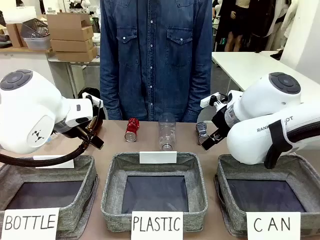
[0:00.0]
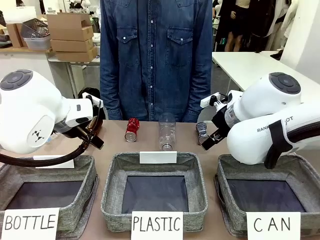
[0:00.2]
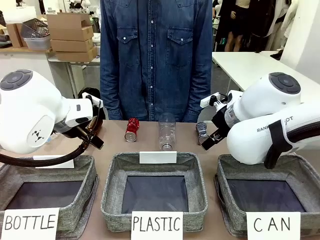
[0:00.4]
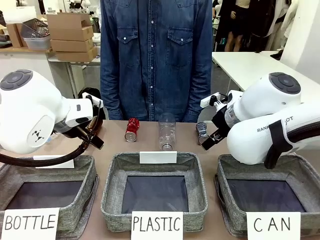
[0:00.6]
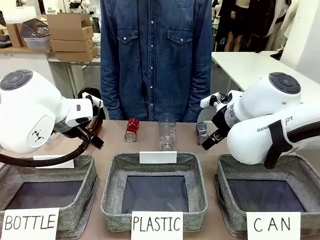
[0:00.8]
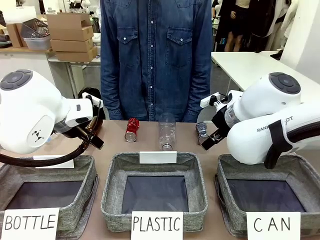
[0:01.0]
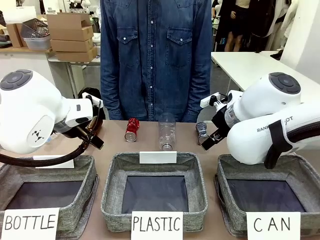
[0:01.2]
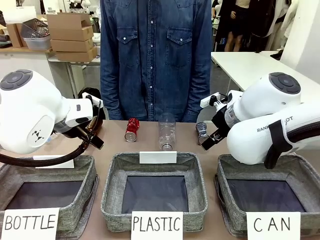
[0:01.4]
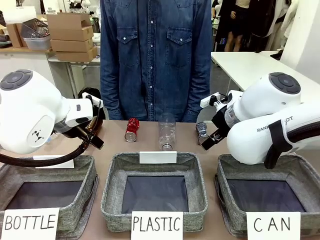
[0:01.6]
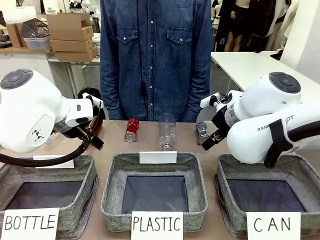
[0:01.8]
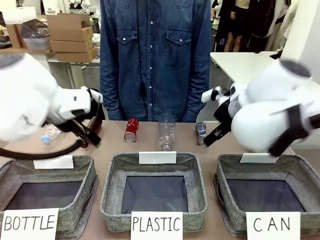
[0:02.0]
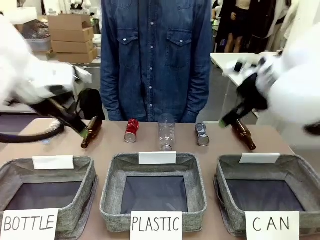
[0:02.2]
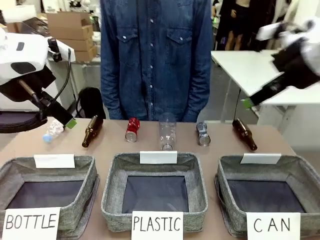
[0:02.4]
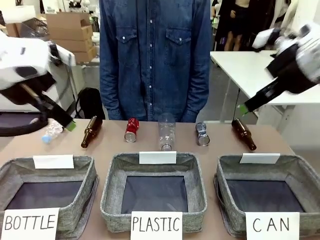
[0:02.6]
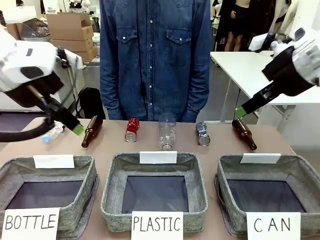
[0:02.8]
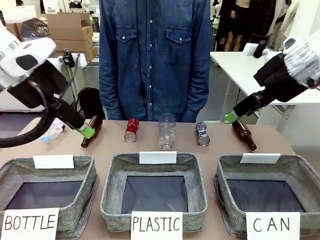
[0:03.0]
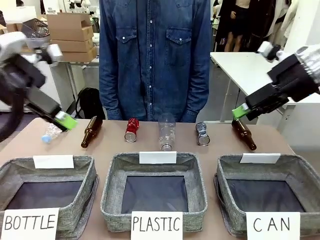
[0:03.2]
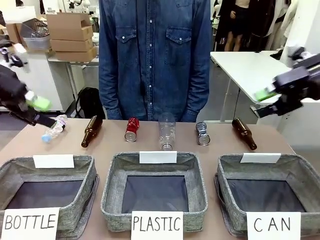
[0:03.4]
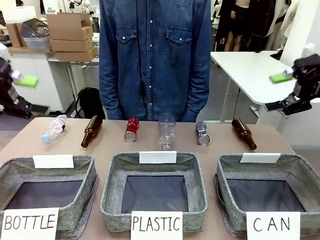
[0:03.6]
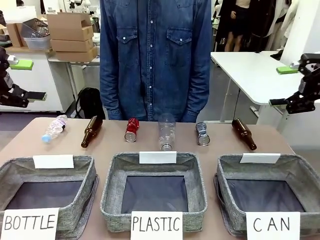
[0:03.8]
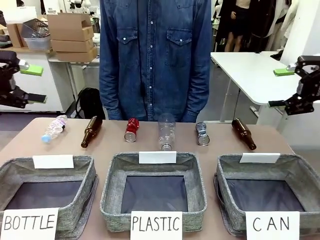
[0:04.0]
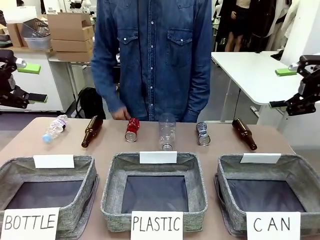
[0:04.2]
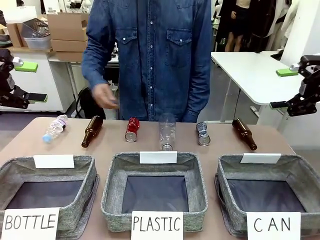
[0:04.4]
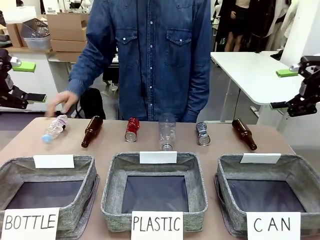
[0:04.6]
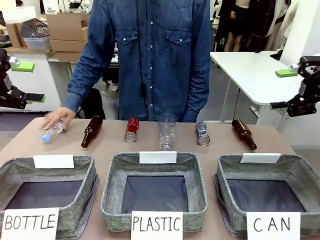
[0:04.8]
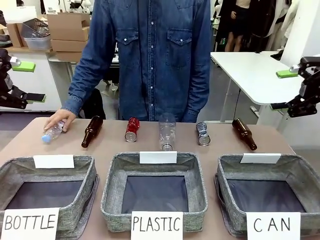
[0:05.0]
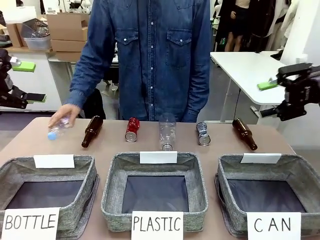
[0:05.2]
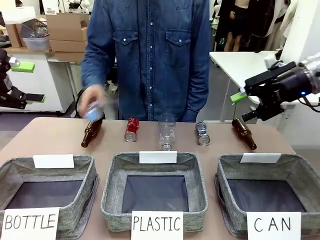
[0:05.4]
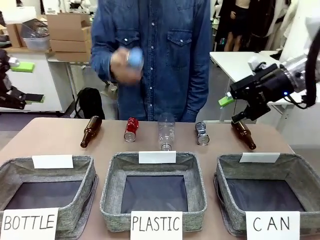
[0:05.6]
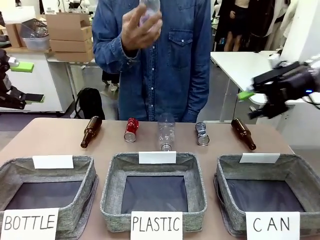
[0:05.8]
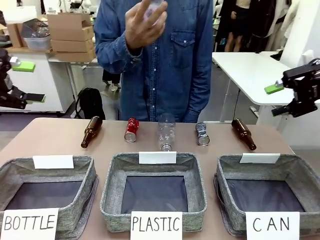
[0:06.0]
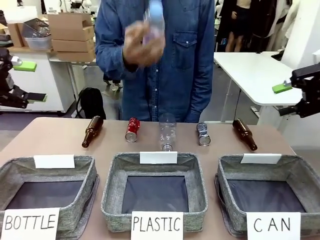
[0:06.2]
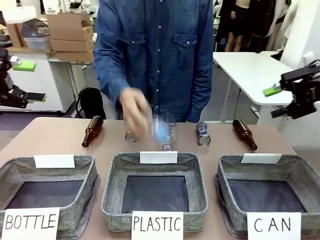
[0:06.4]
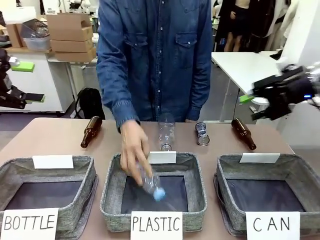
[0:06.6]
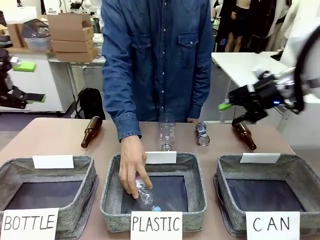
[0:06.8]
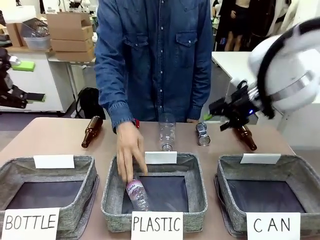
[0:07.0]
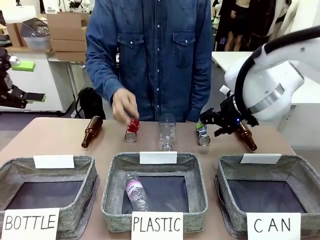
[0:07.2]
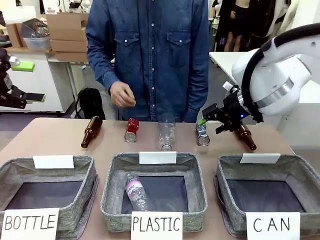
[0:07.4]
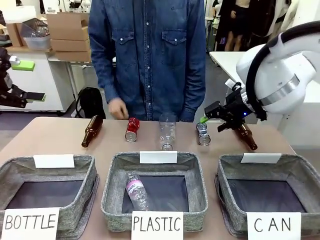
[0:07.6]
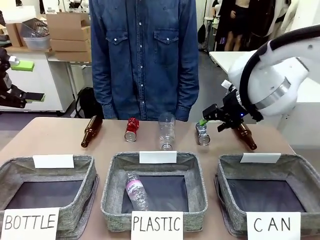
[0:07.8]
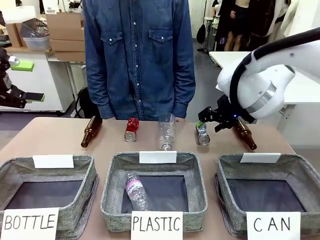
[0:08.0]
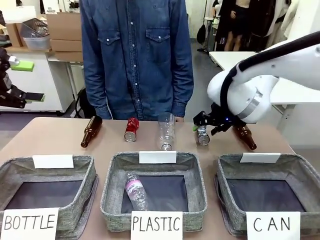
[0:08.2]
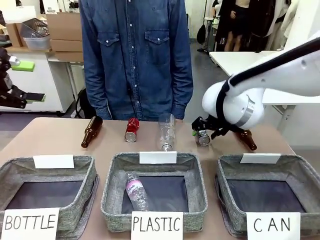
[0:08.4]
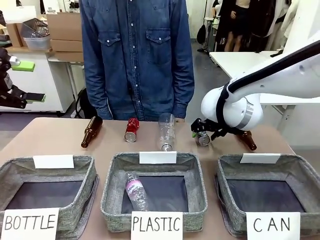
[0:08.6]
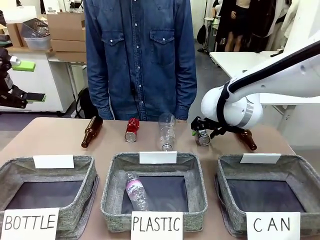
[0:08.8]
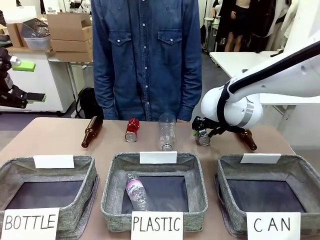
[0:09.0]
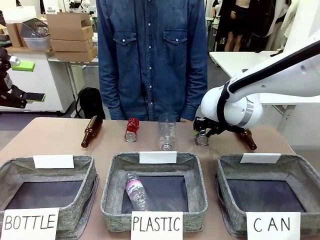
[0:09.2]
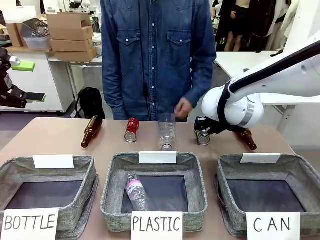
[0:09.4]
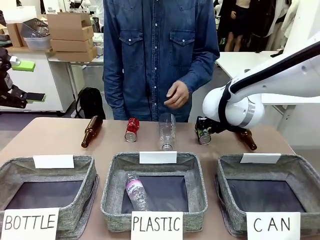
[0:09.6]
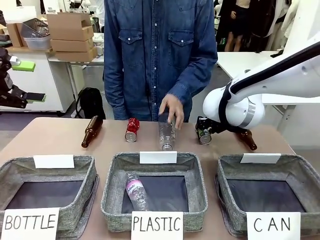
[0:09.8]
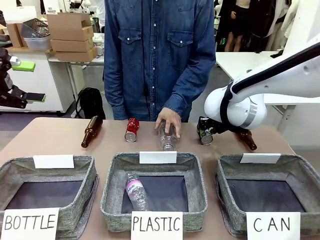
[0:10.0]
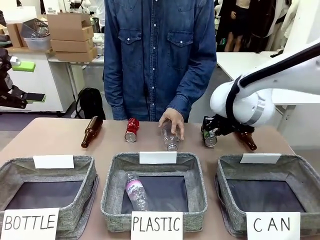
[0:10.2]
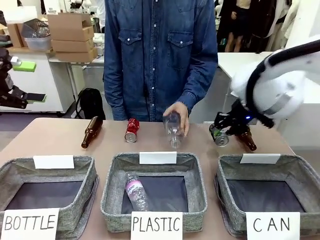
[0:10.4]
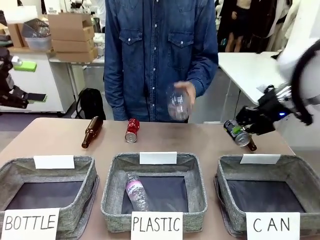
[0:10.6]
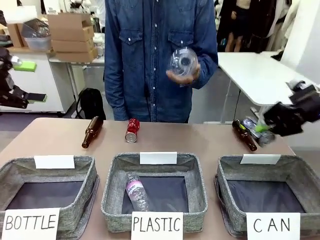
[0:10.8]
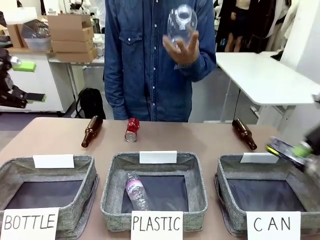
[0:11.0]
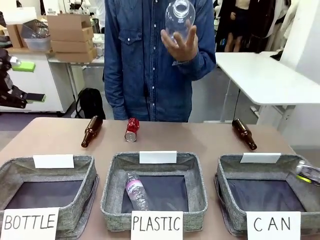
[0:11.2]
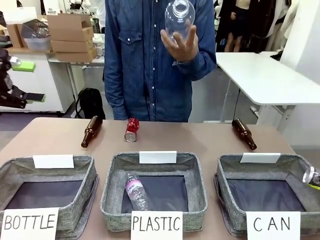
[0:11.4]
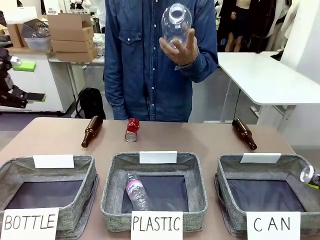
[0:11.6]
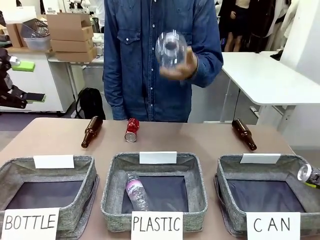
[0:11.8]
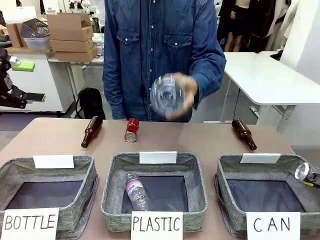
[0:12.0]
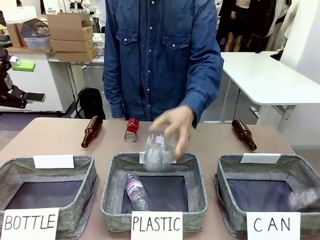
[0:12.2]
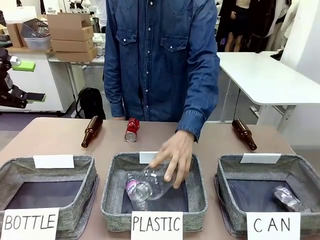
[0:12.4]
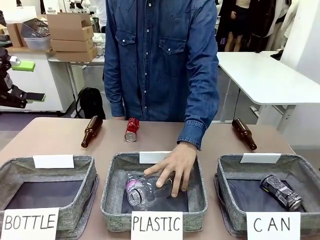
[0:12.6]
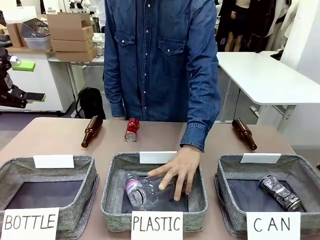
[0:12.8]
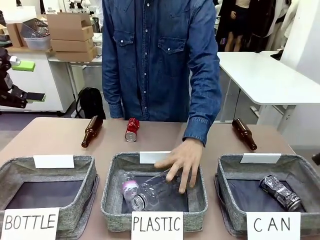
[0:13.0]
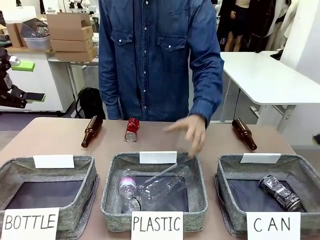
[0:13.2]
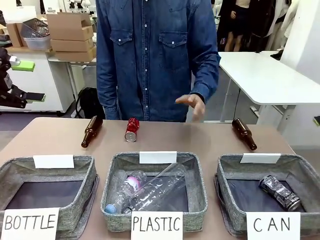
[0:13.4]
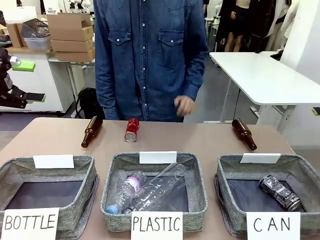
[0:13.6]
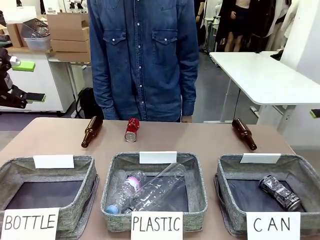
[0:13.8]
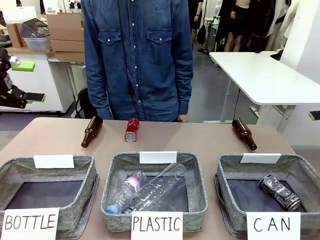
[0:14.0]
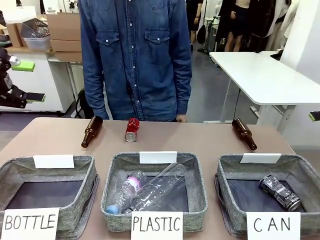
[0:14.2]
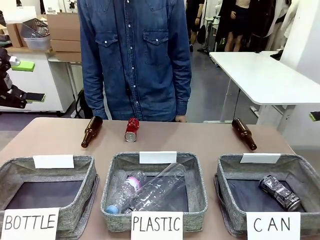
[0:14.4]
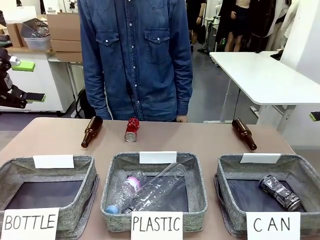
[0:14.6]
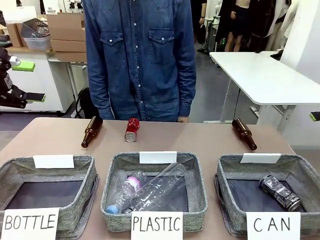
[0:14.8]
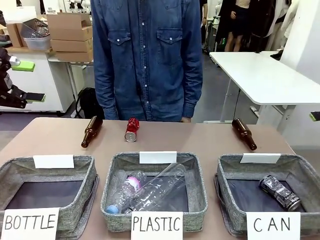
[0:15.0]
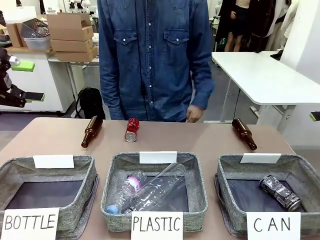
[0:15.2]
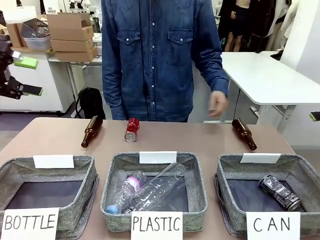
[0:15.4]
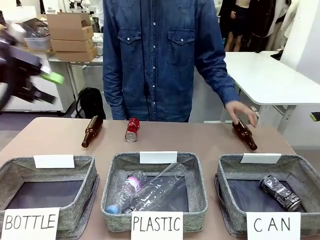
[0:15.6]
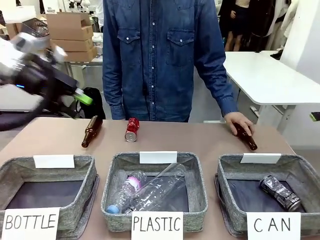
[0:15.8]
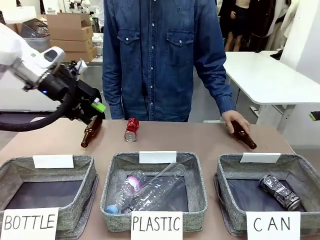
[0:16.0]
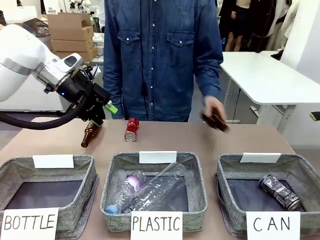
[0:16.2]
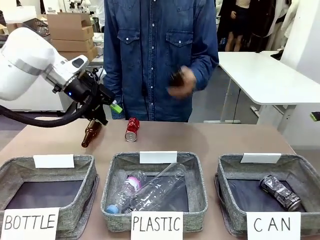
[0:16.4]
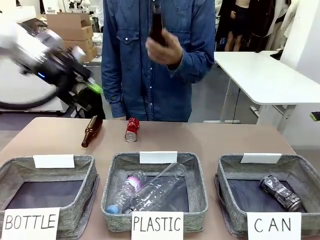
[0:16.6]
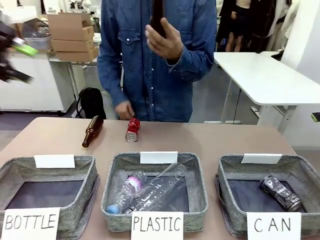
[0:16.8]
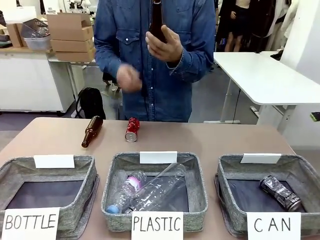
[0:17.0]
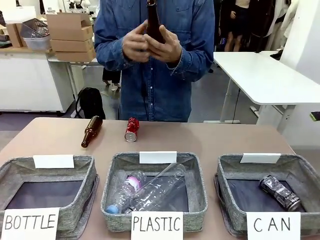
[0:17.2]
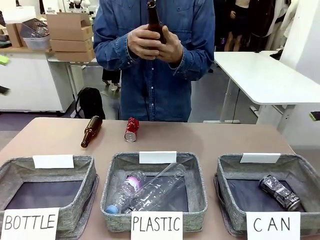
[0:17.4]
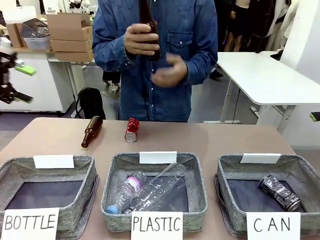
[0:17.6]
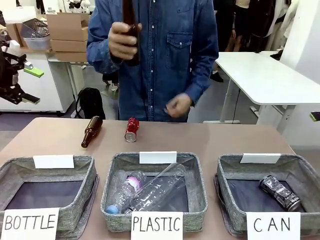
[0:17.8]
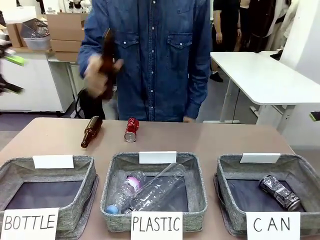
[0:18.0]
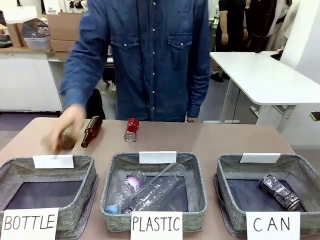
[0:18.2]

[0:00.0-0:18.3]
Task: Sort the can waste into the basket.
Robot: Pick up the can waste from the table and place it in the right Fabric basket.
